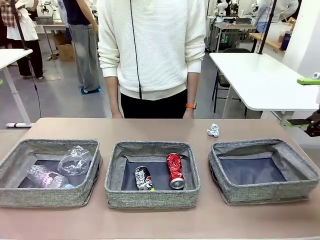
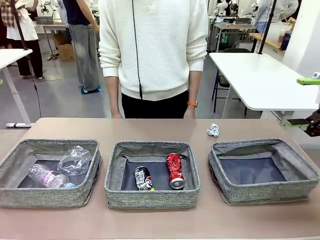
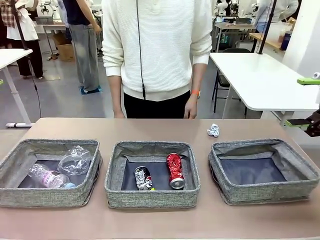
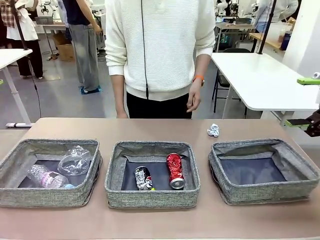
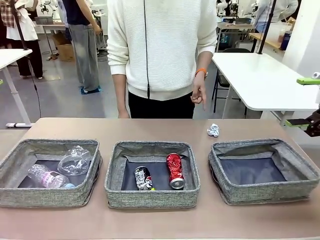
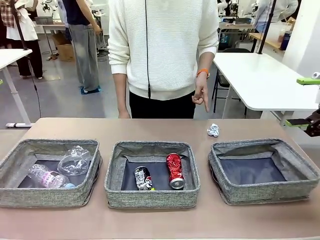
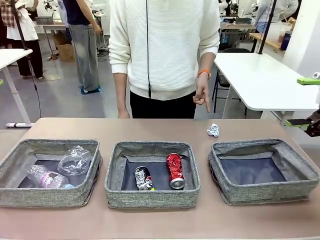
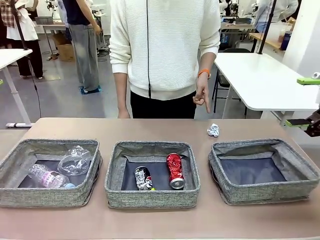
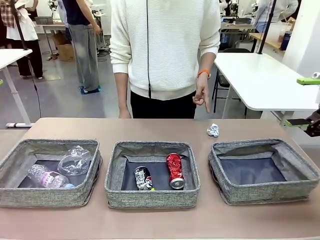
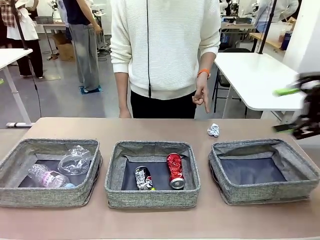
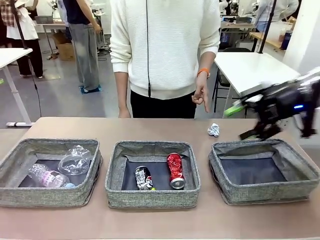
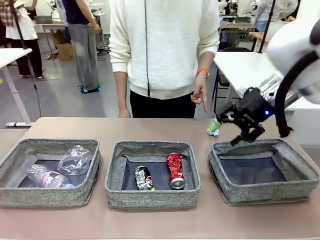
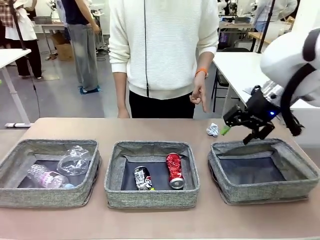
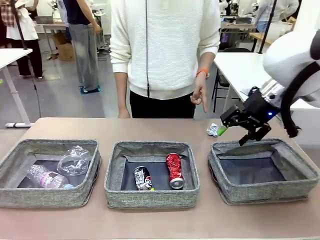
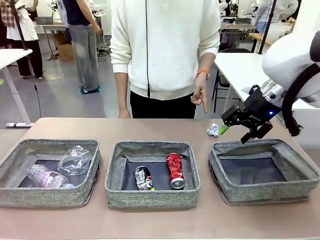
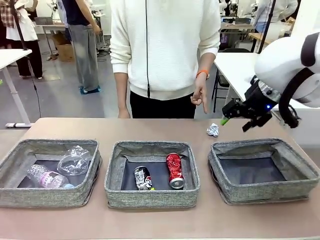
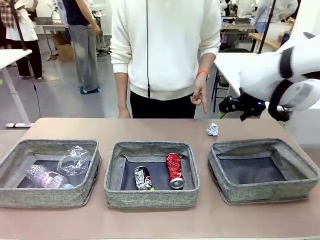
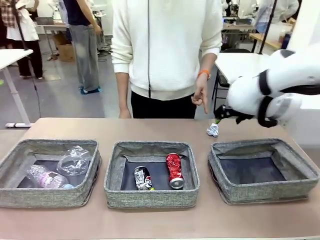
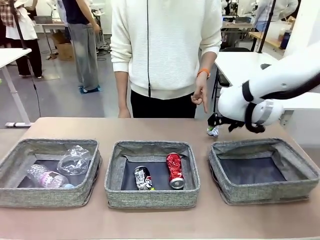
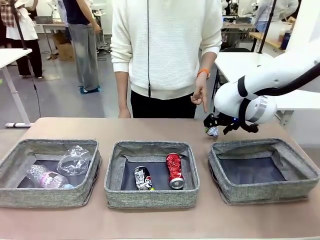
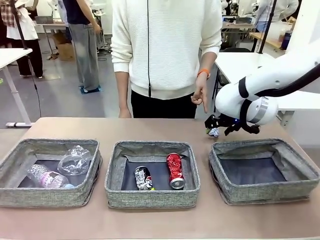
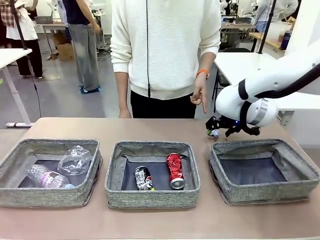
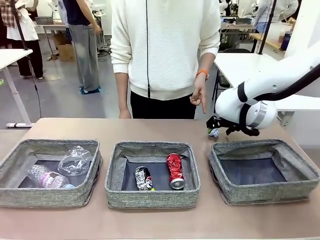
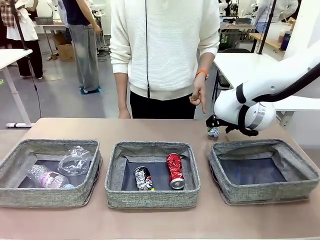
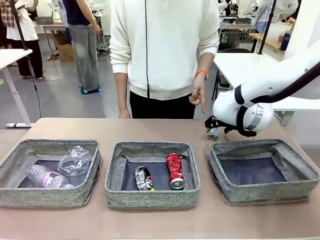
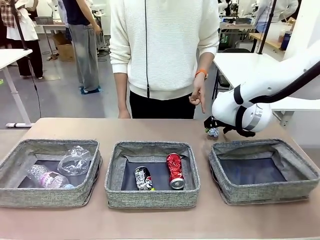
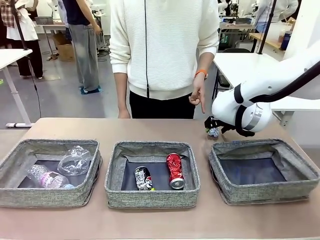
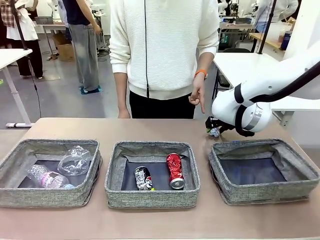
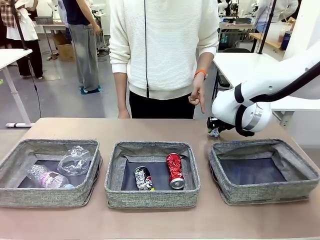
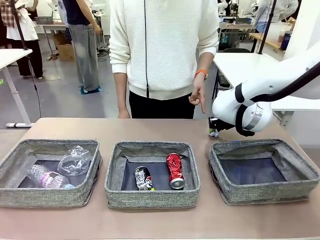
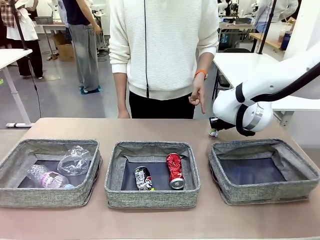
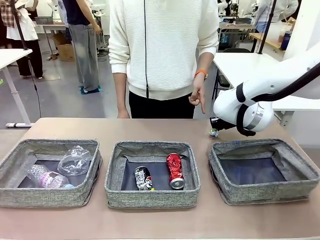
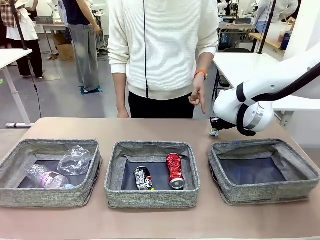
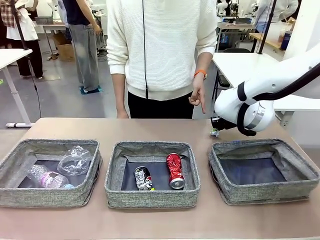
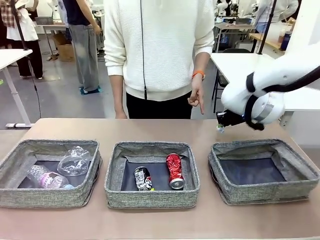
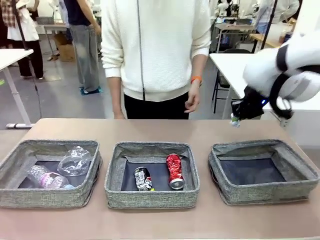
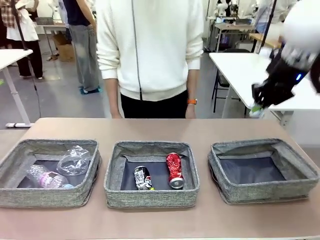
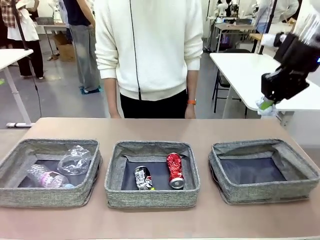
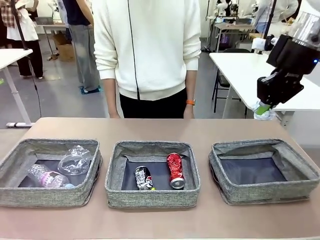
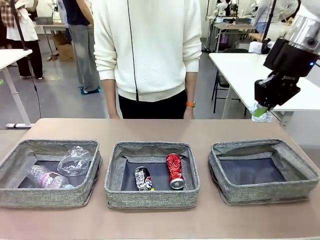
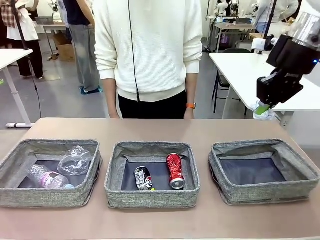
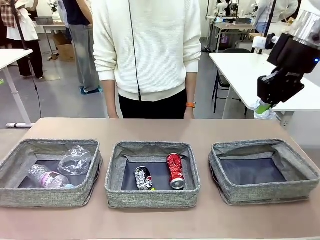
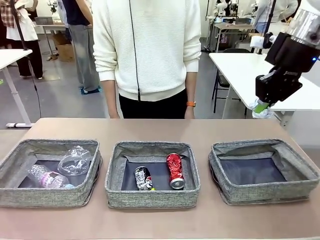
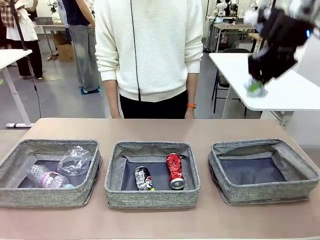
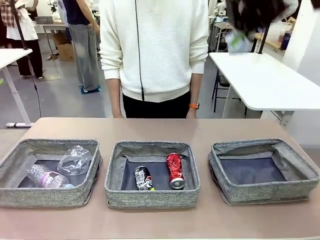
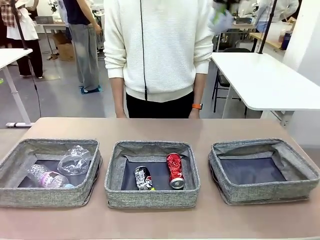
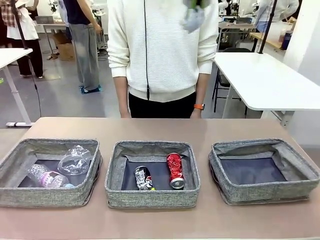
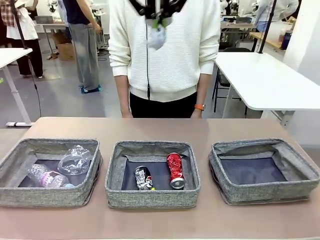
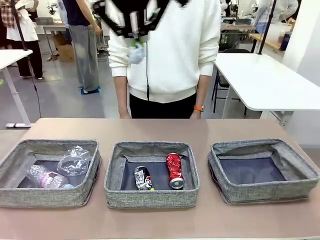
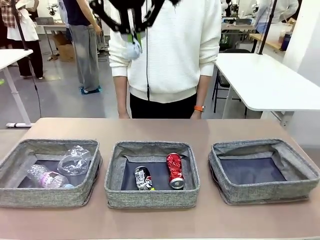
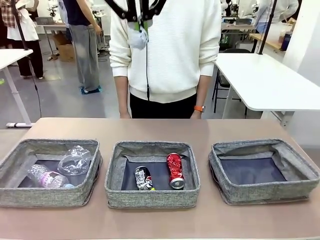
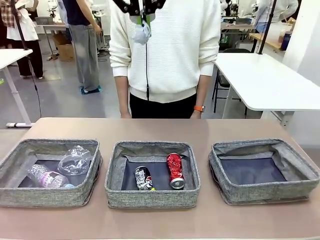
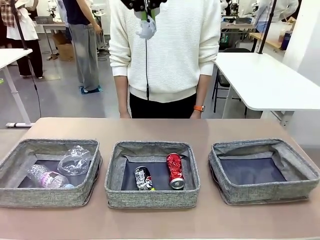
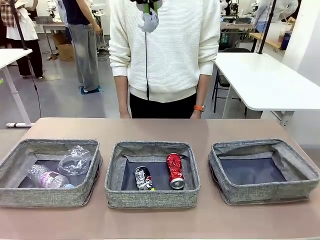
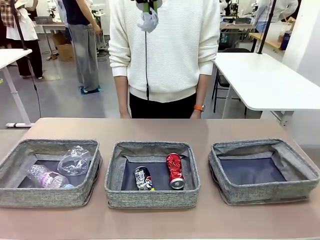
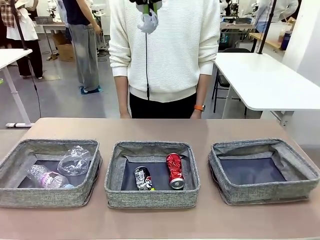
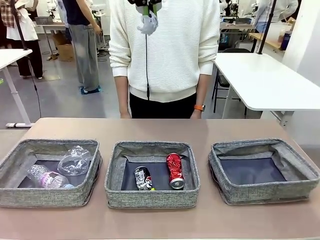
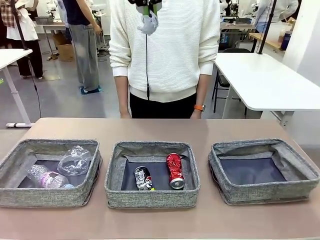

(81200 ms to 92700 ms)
Task: Sort the waste into the appropriate baskets.
Robot: Pick up the waste item pointed out by the person.
Person: Points to one piece of trash on the table.

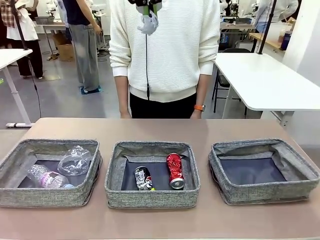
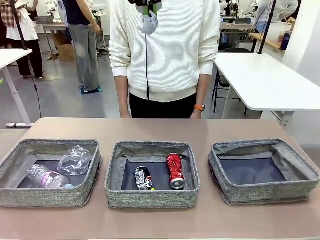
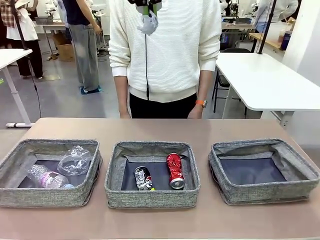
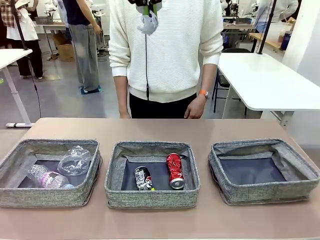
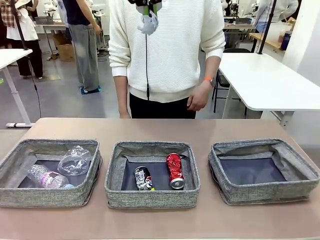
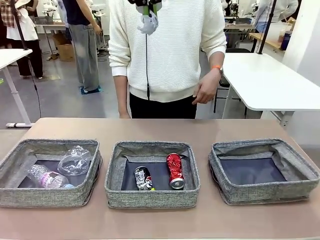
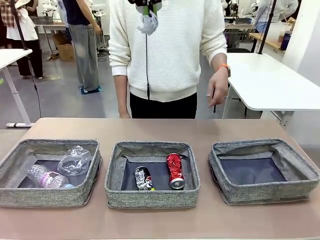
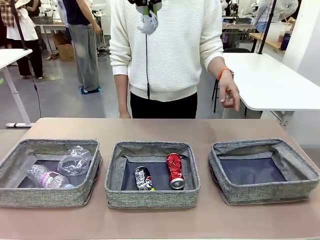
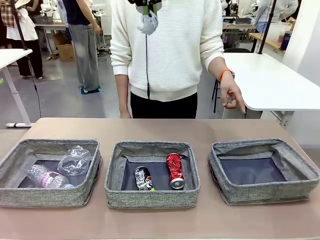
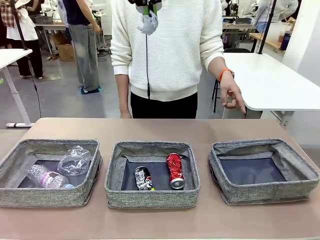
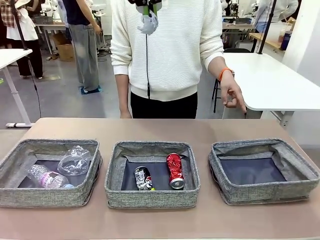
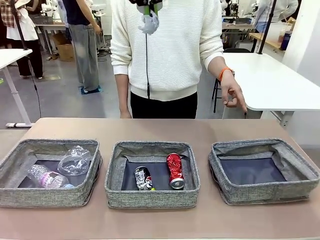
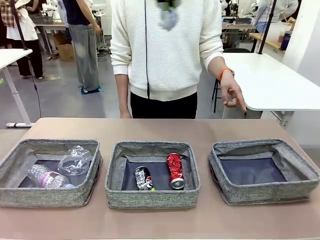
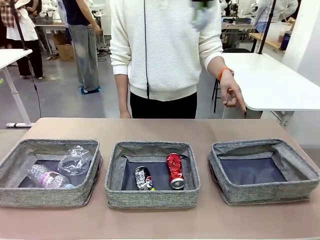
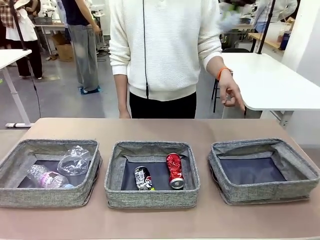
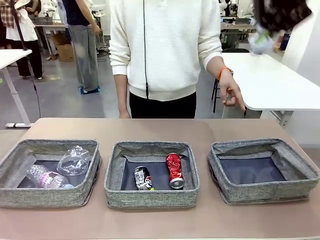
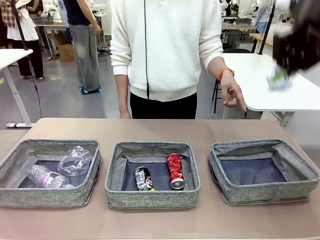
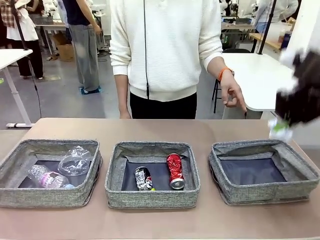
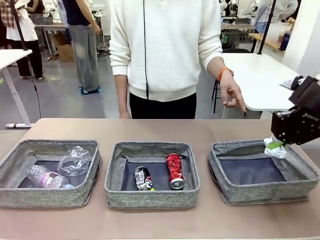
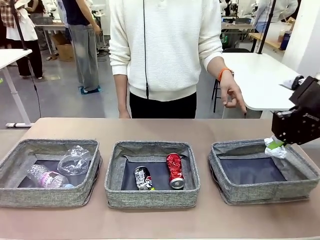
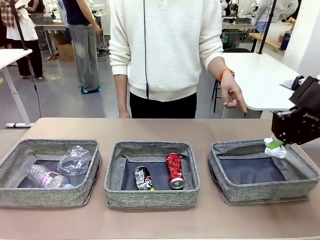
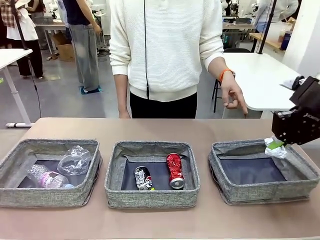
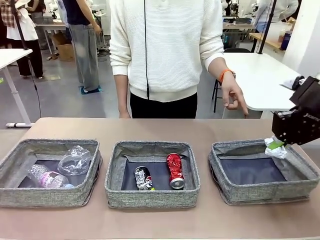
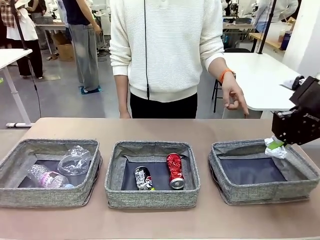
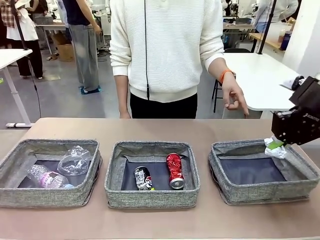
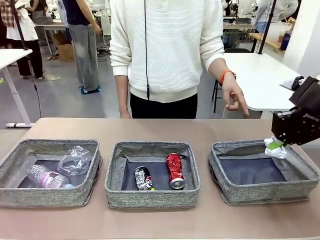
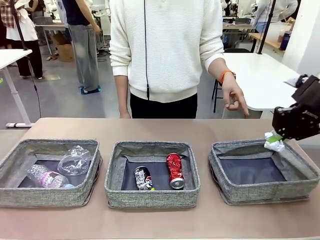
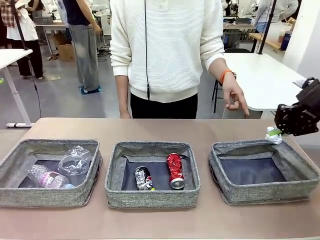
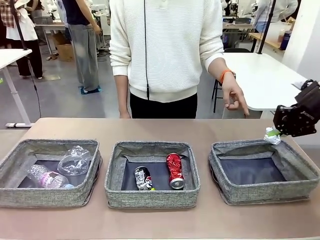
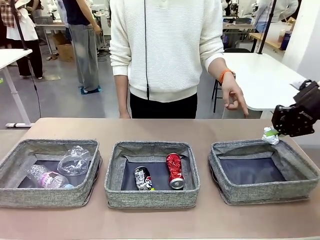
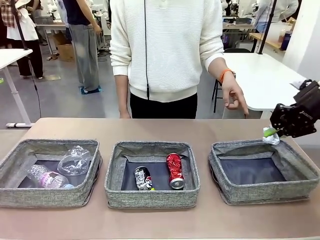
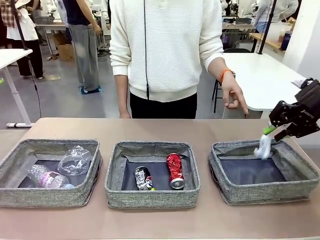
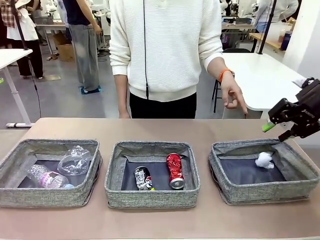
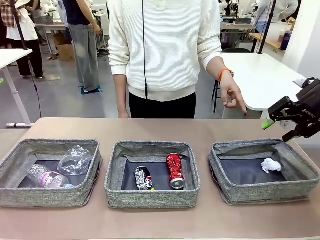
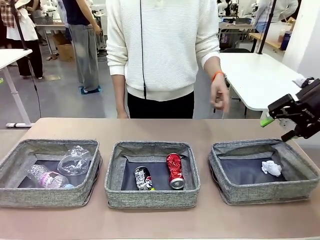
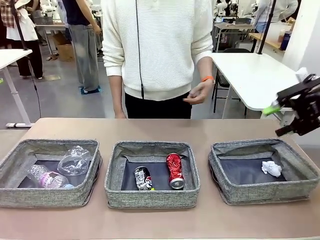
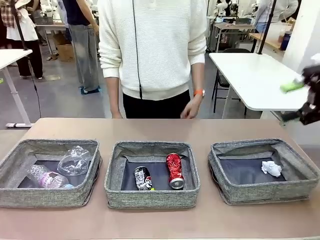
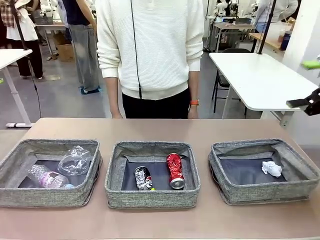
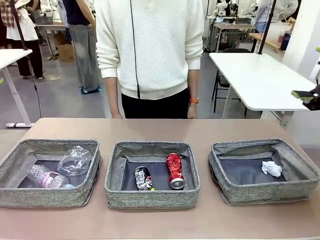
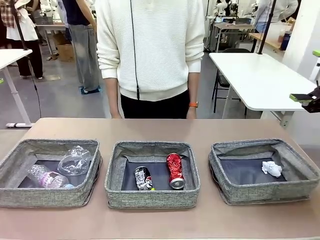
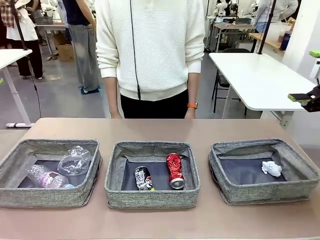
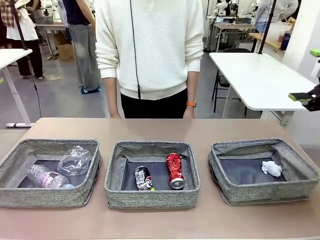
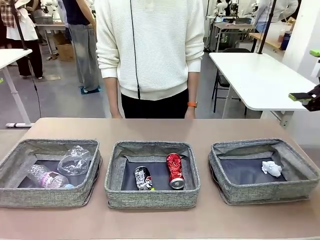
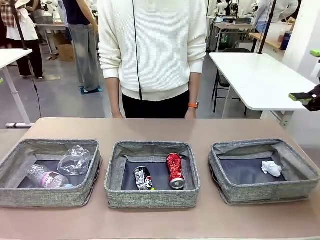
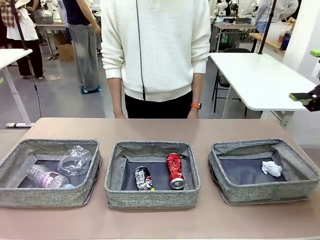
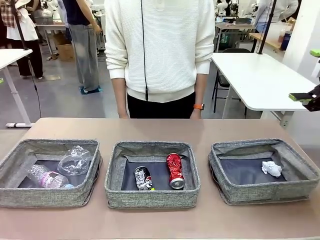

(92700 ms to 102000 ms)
Robot: Place the picked waste into the Fabric basket indicated by the person.
Person: Instructs the robot to place the picked-up trash into the appropriate organizing basket.
